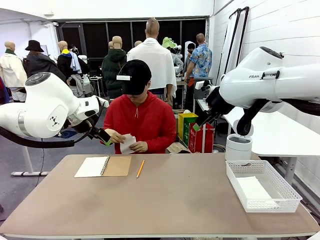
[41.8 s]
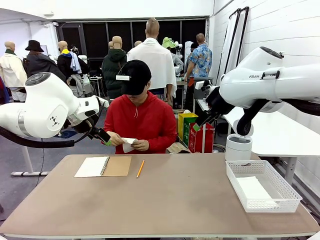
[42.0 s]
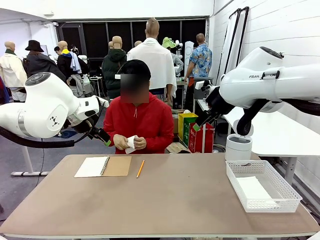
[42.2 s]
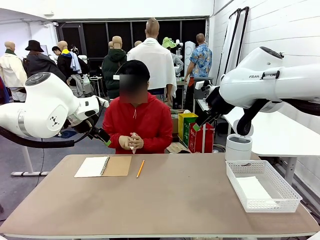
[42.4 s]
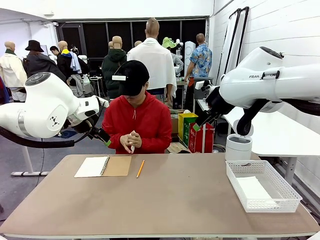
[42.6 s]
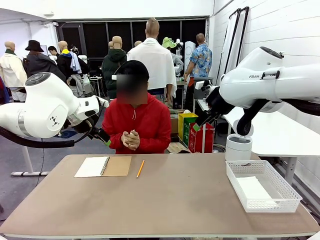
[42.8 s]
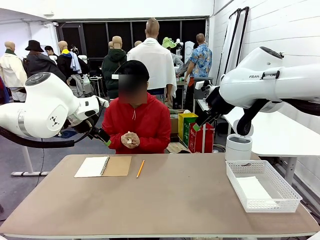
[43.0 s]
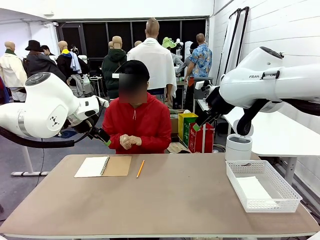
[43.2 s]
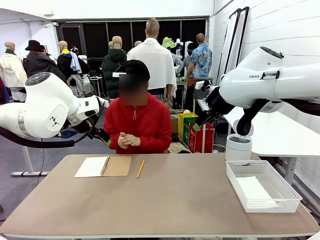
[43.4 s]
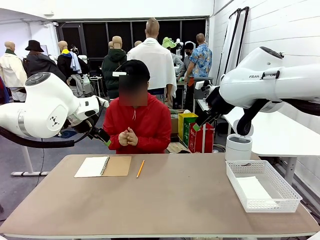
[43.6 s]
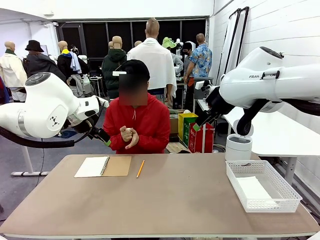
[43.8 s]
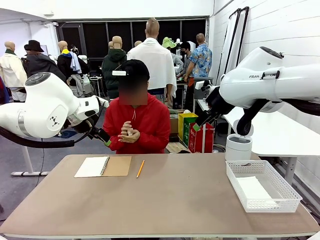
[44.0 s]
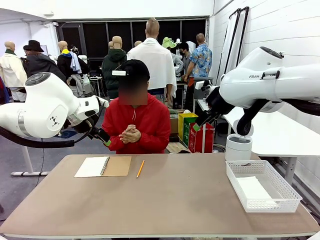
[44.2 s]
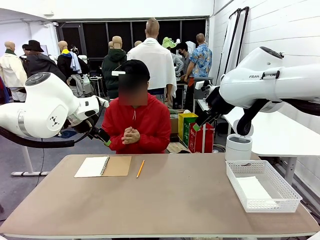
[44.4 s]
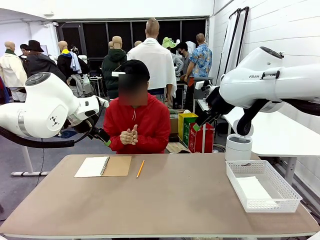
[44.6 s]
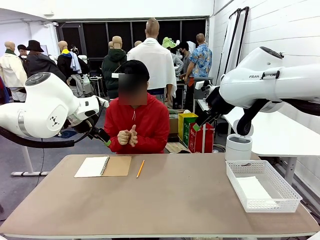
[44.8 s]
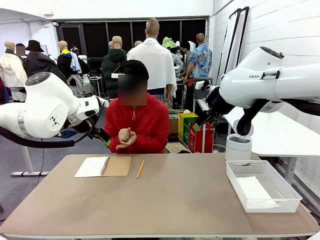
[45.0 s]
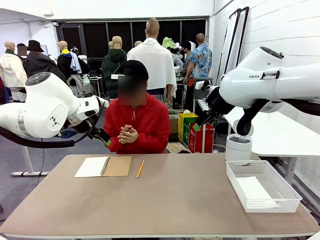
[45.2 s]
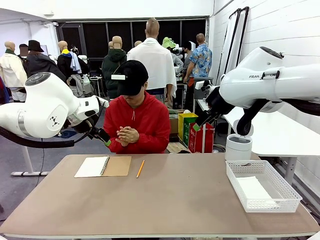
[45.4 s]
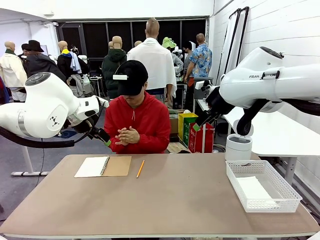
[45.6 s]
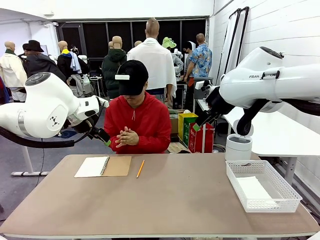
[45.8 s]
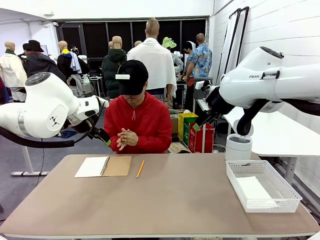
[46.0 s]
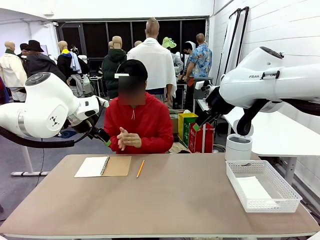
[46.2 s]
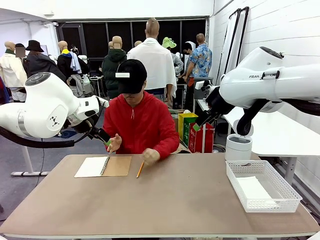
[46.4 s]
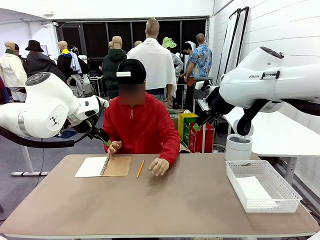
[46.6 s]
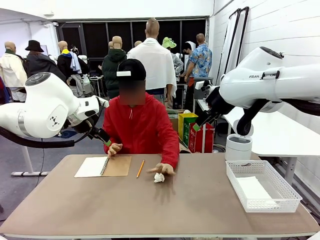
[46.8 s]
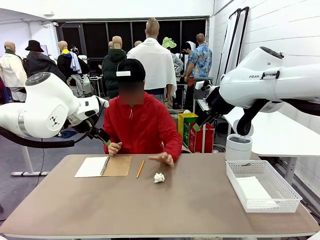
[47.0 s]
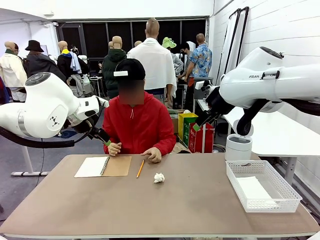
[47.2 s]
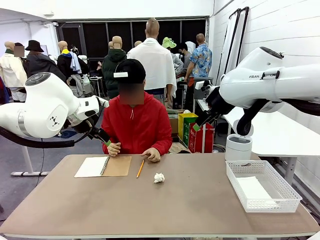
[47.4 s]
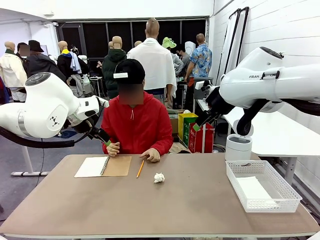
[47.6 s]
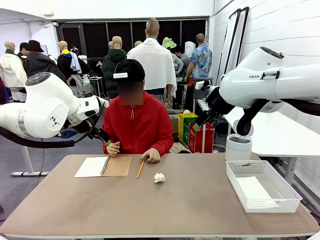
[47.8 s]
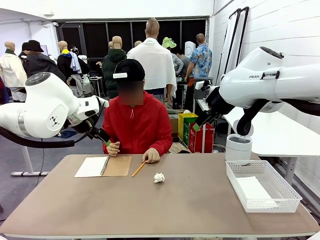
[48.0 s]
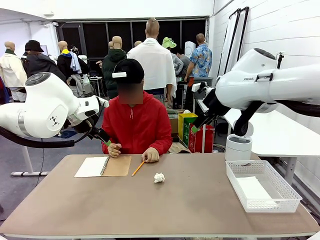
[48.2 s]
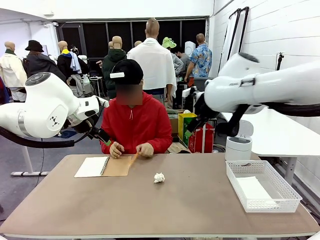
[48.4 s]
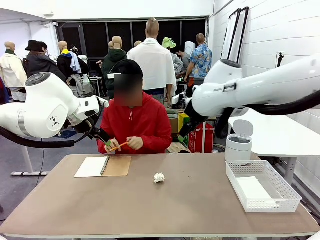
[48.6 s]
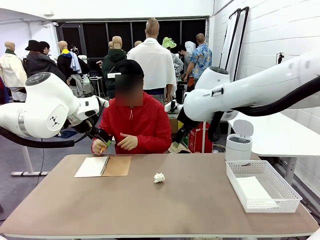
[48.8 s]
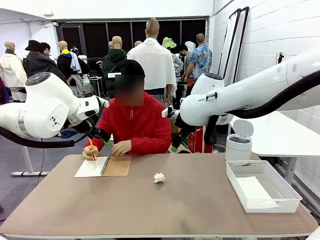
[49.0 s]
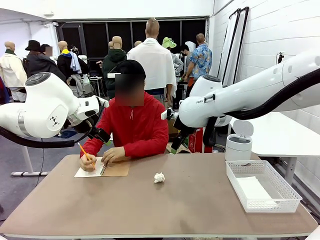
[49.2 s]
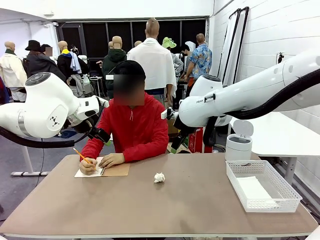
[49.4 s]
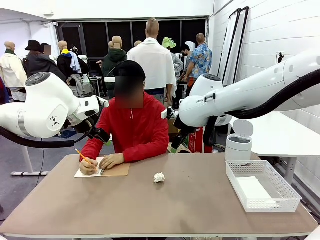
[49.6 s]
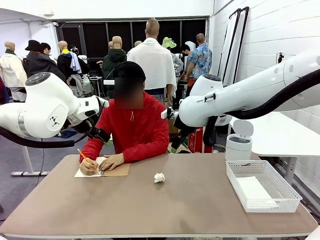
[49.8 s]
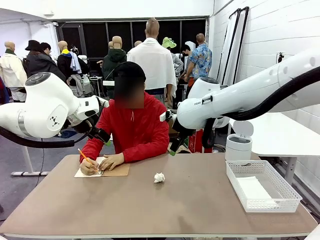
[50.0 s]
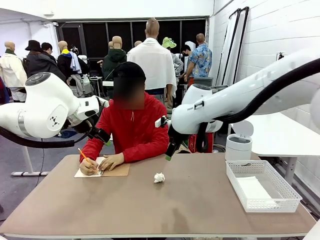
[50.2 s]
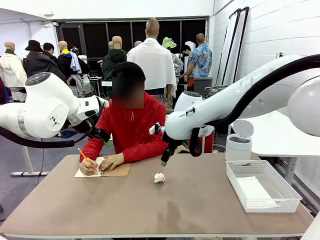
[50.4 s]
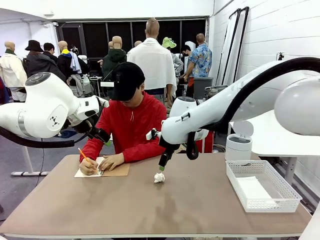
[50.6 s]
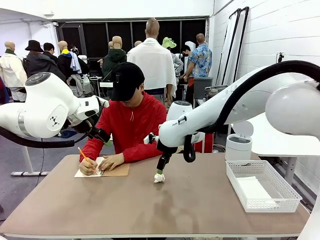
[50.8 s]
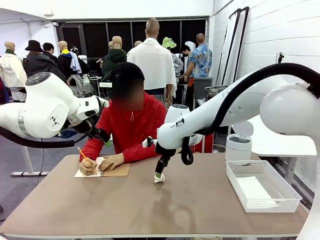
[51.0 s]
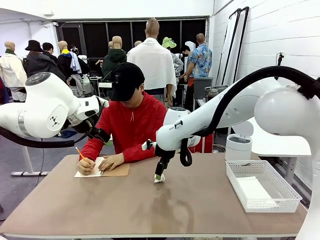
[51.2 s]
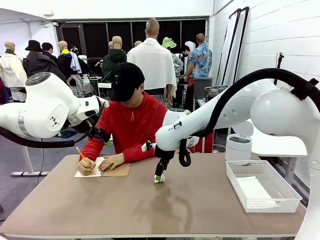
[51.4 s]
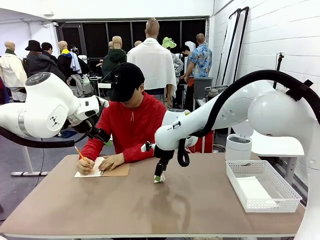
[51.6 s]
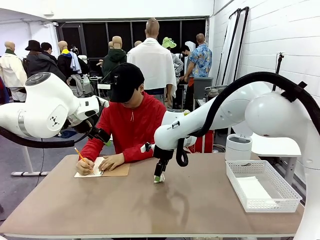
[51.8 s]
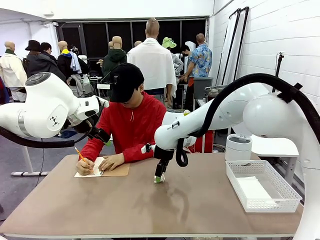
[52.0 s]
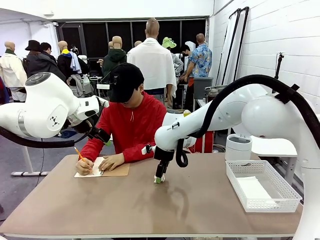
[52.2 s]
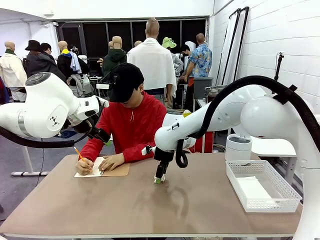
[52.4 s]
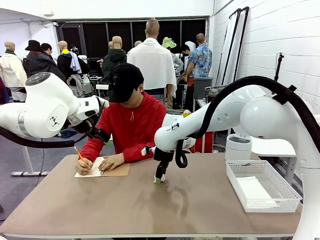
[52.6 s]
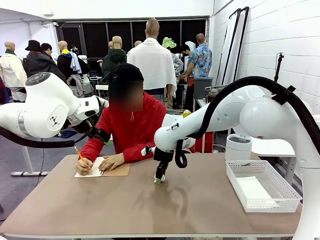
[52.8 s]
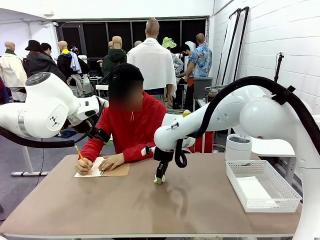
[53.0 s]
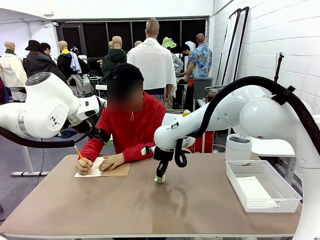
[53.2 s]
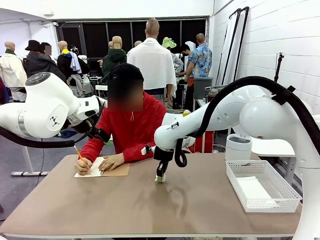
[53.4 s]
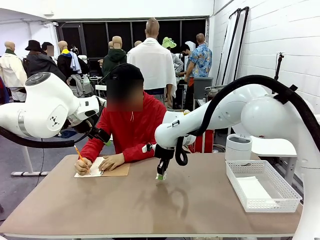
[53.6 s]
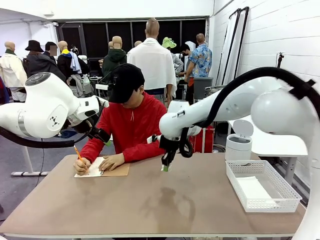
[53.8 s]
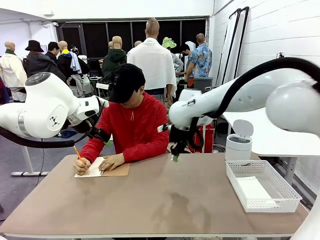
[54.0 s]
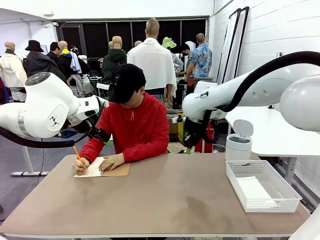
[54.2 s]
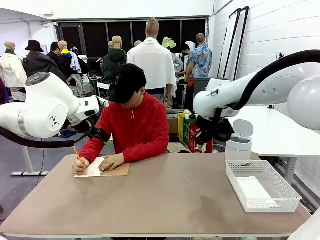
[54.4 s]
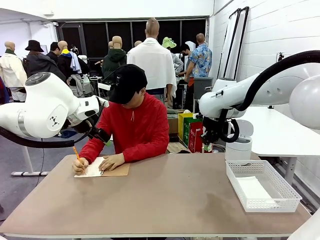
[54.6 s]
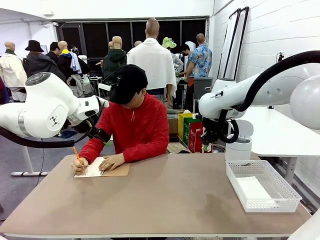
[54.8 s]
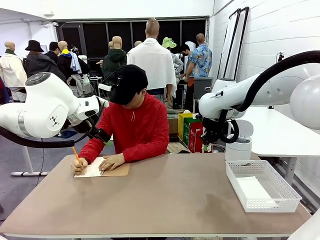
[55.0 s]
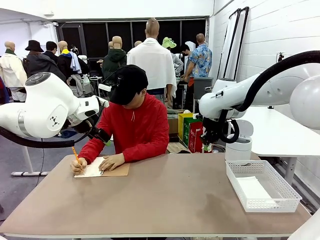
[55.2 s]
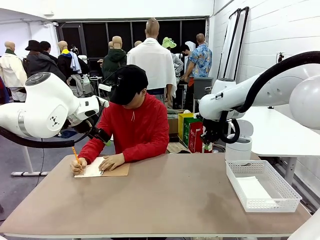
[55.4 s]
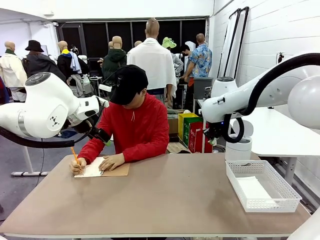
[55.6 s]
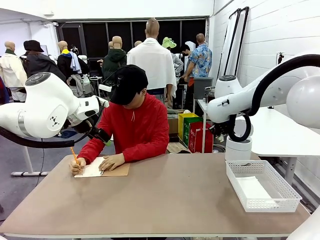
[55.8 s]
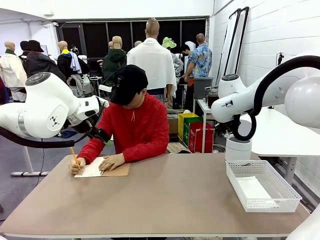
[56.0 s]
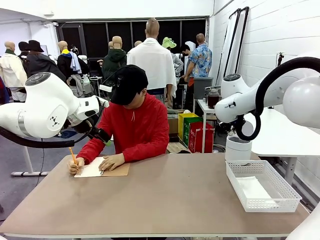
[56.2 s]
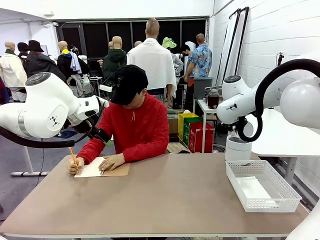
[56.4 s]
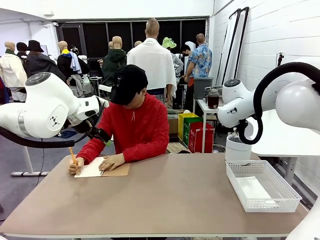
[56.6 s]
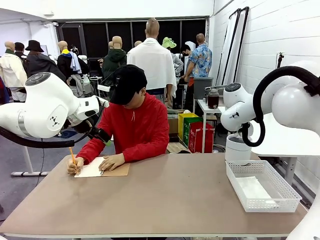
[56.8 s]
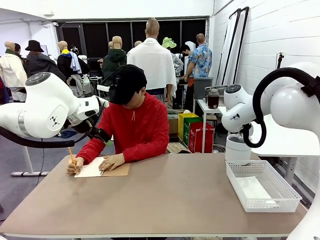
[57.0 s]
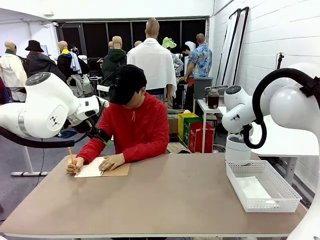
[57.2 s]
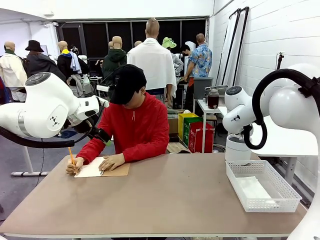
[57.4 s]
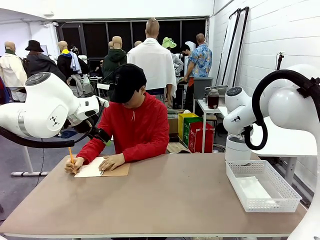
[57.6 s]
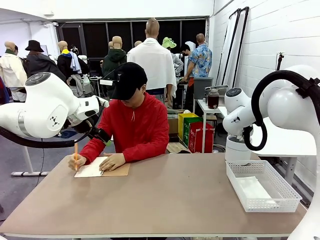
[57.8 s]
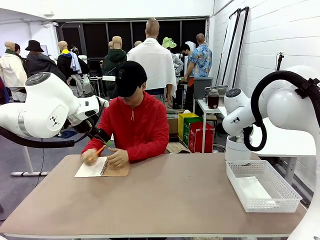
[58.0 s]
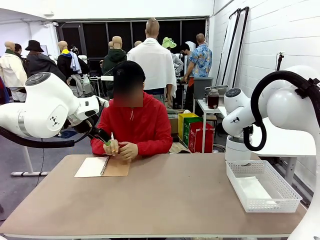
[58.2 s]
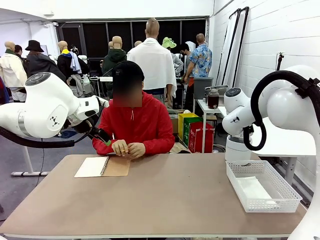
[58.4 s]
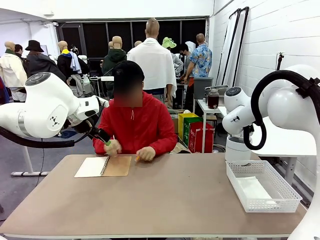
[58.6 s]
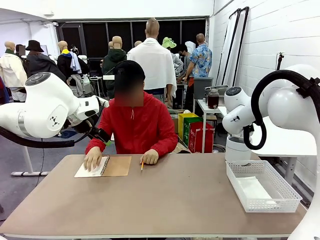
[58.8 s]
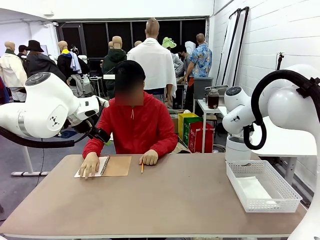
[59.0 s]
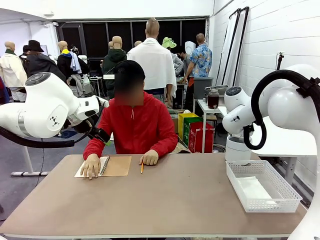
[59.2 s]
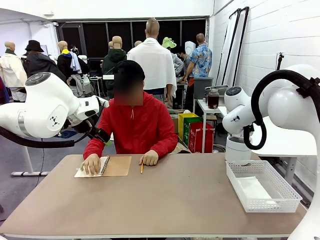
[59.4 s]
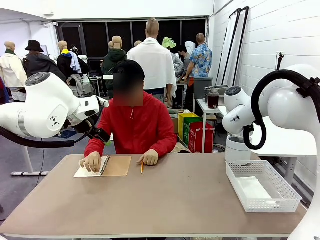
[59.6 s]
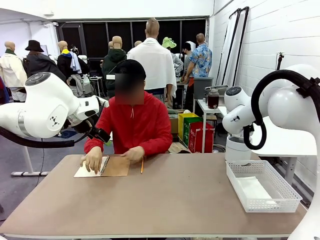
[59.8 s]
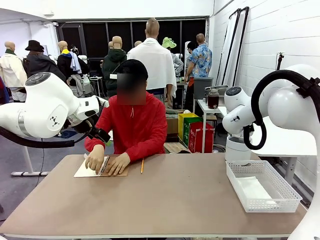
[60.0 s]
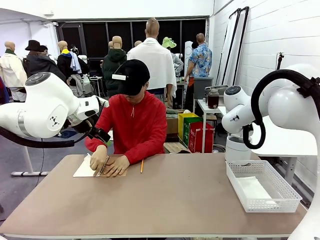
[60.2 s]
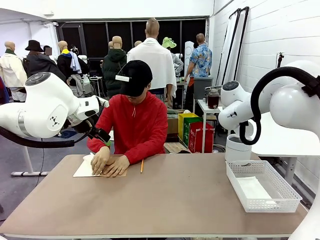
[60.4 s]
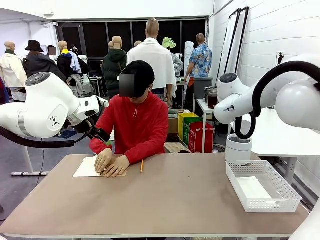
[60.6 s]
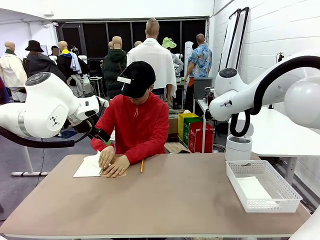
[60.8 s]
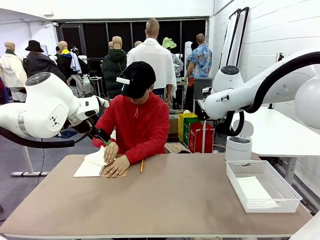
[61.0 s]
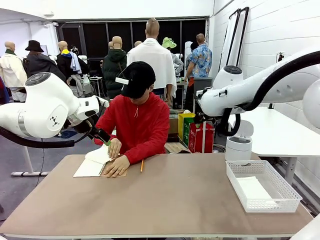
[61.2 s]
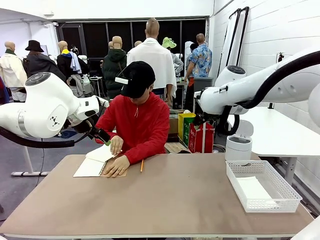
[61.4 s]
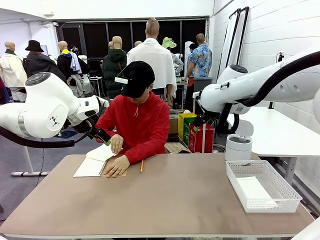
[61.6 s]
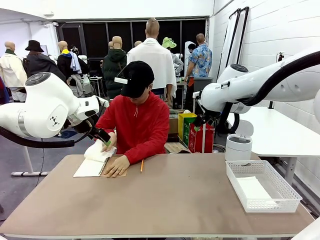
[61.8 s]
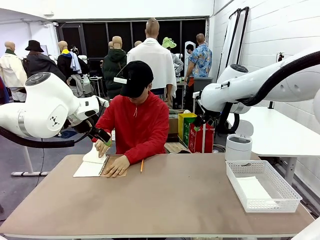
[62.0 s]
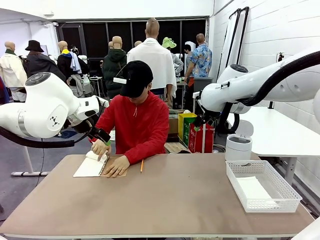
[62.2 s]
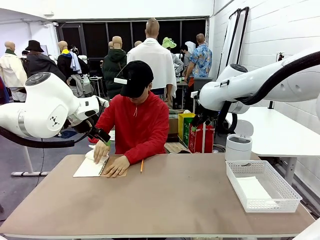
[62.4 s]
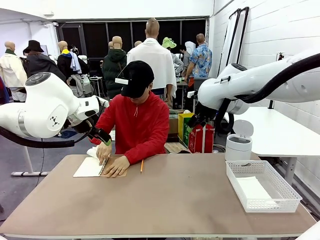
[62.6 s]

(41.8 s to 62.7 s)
Task: Sort the paper based on its condition.
Robot: If a person hands you a paper, place it in the Organizing basket , and if it's crumpled, put it in the Trash can.
Person: Hand the torn page to the robot or crumple it and throw it to the center of the table. Tear out a page from the spiral notebook.
